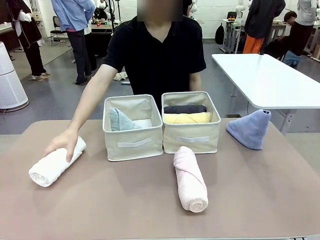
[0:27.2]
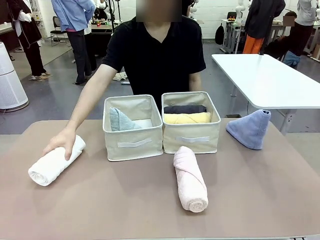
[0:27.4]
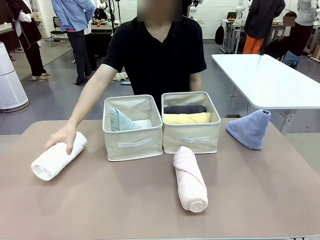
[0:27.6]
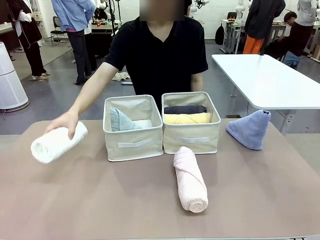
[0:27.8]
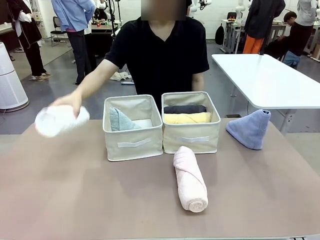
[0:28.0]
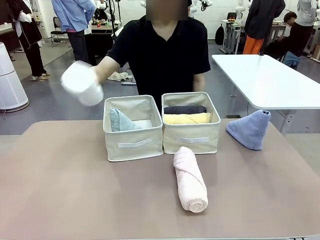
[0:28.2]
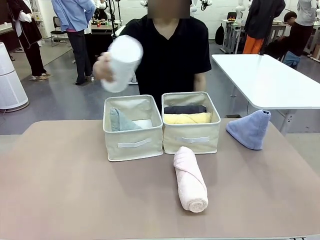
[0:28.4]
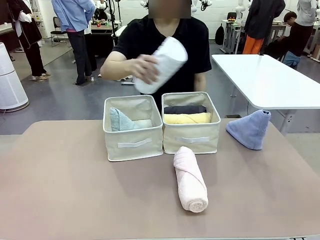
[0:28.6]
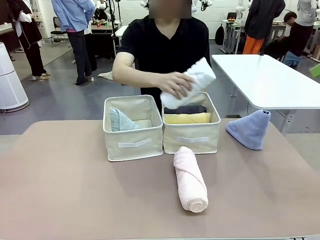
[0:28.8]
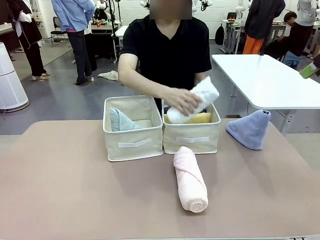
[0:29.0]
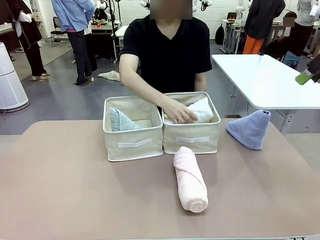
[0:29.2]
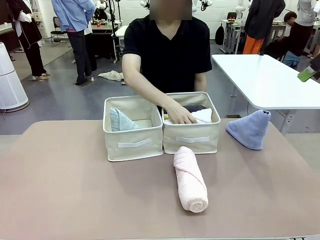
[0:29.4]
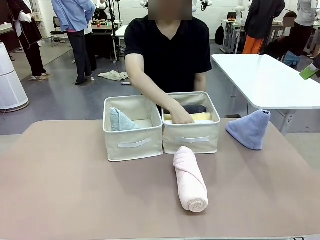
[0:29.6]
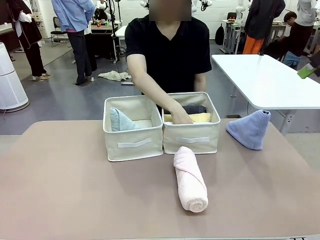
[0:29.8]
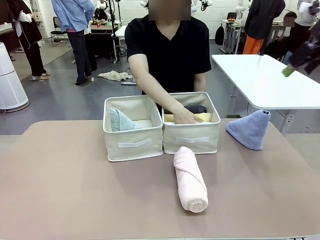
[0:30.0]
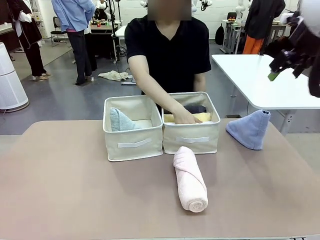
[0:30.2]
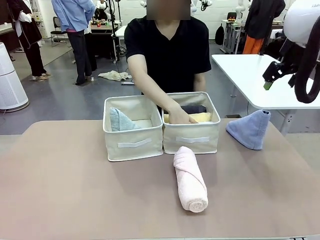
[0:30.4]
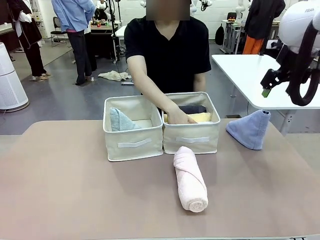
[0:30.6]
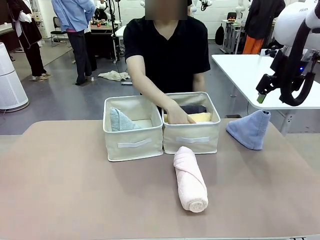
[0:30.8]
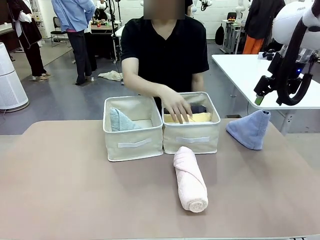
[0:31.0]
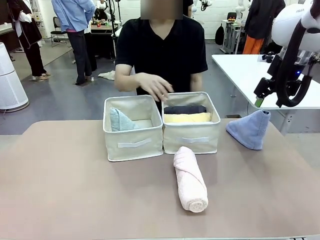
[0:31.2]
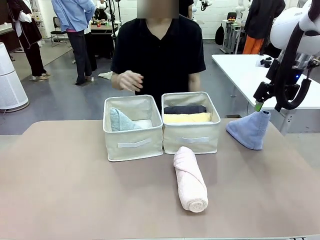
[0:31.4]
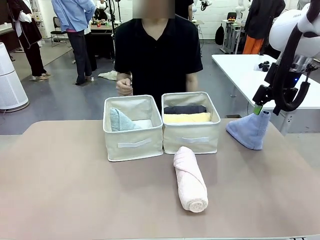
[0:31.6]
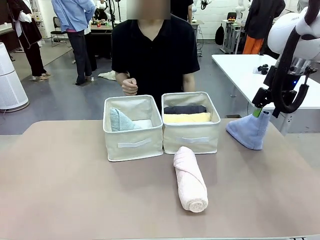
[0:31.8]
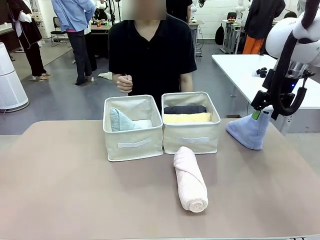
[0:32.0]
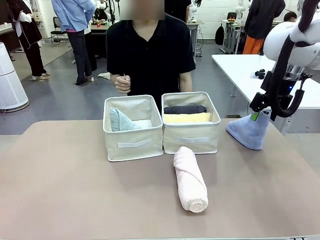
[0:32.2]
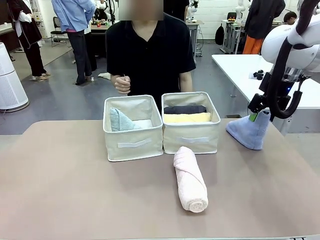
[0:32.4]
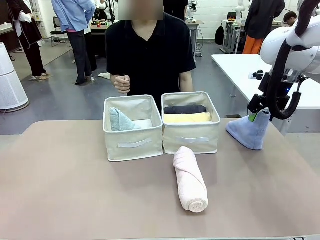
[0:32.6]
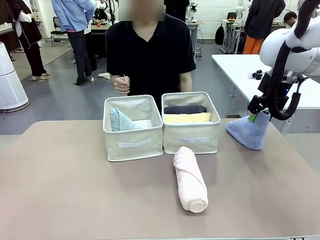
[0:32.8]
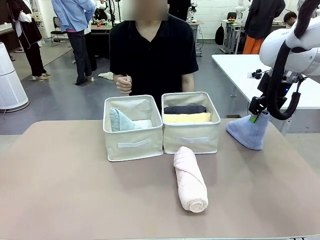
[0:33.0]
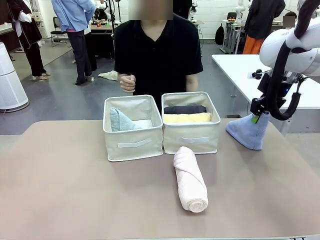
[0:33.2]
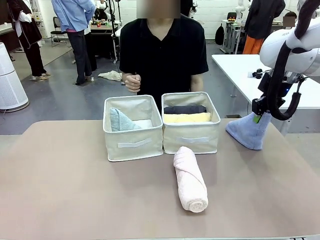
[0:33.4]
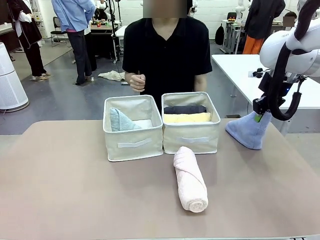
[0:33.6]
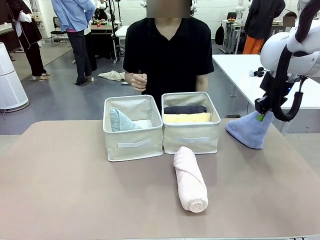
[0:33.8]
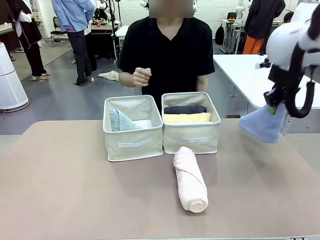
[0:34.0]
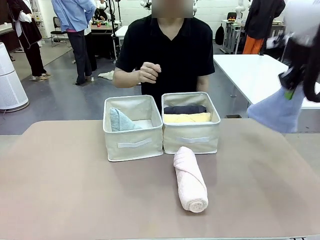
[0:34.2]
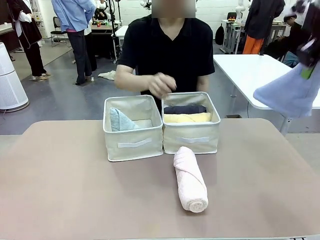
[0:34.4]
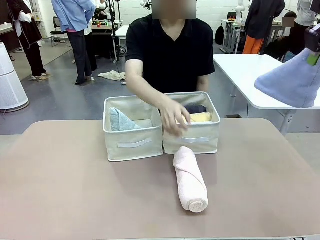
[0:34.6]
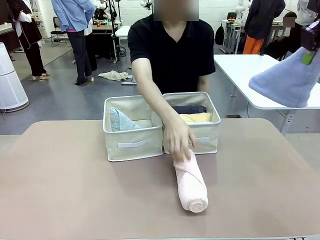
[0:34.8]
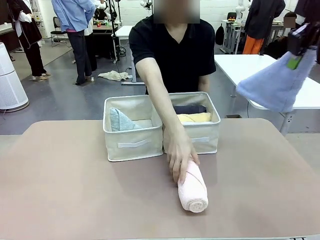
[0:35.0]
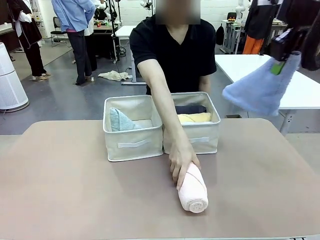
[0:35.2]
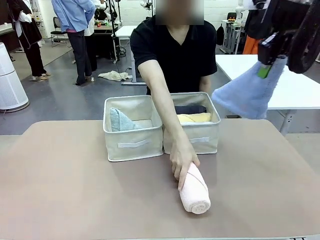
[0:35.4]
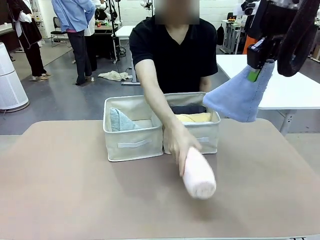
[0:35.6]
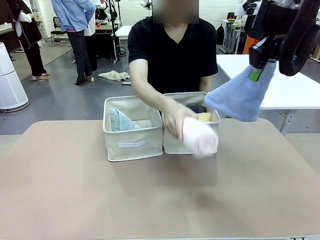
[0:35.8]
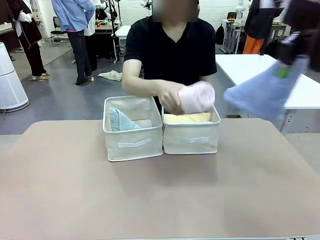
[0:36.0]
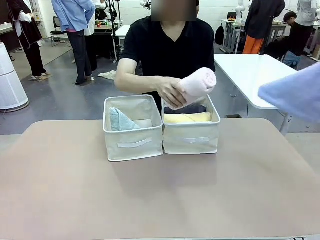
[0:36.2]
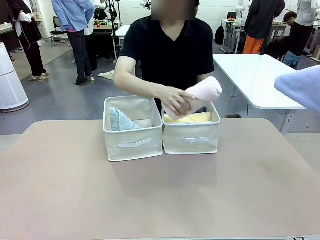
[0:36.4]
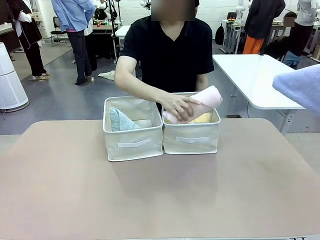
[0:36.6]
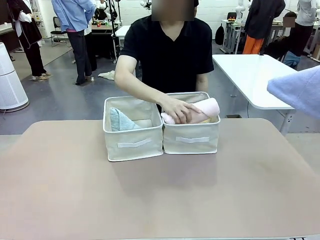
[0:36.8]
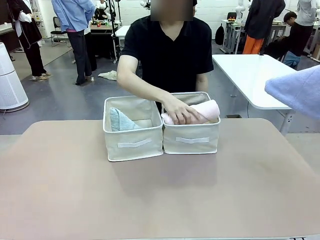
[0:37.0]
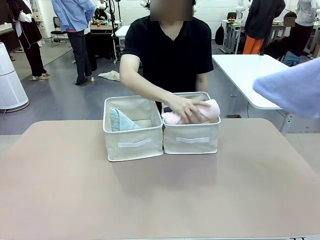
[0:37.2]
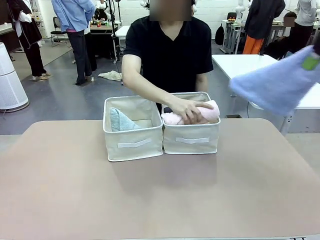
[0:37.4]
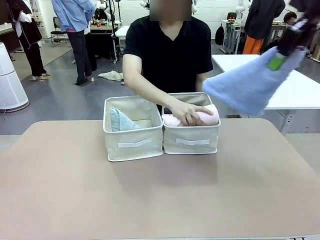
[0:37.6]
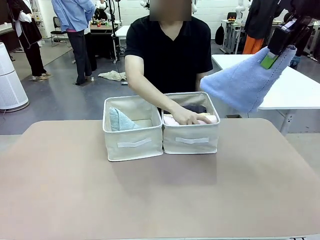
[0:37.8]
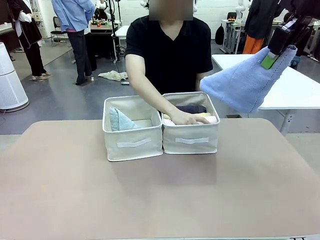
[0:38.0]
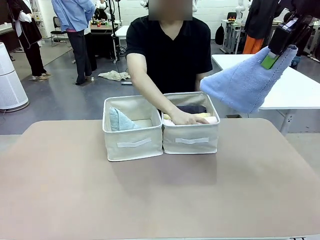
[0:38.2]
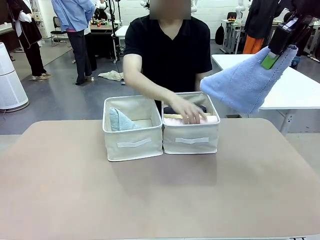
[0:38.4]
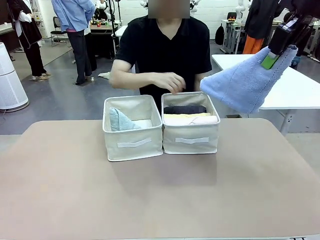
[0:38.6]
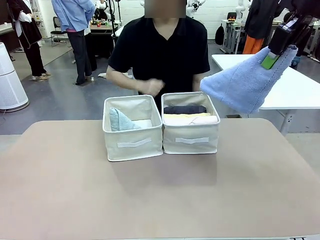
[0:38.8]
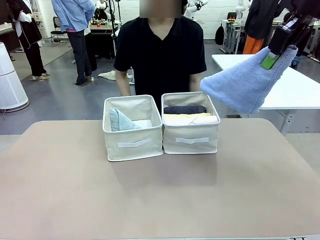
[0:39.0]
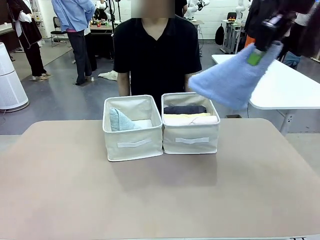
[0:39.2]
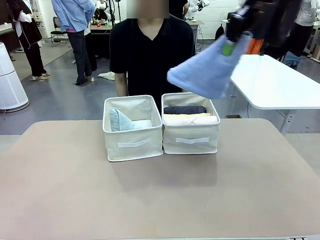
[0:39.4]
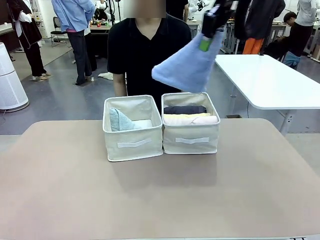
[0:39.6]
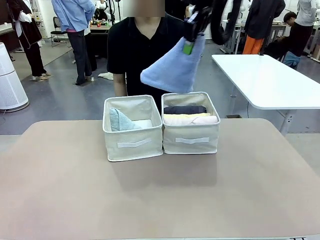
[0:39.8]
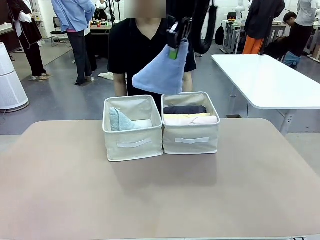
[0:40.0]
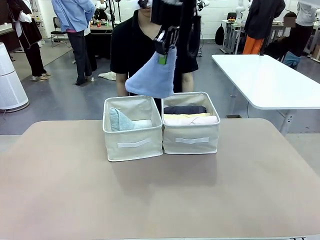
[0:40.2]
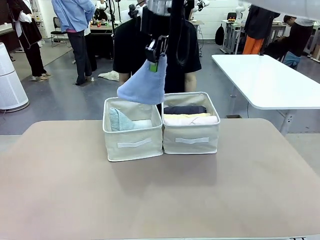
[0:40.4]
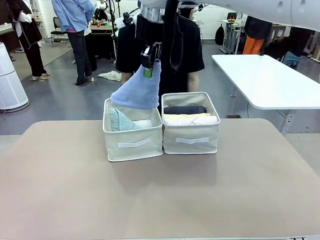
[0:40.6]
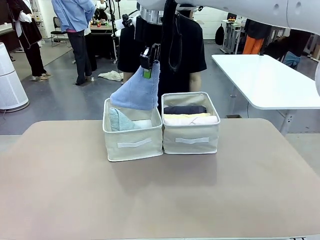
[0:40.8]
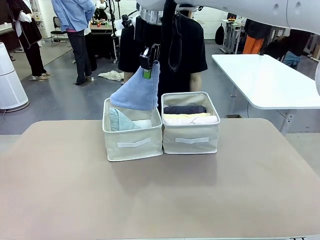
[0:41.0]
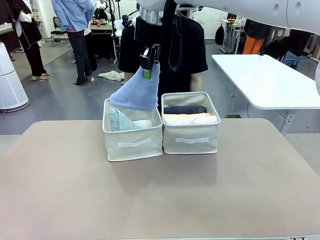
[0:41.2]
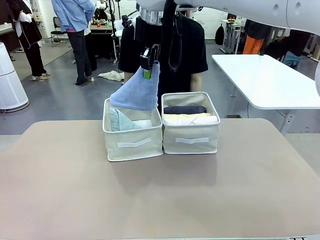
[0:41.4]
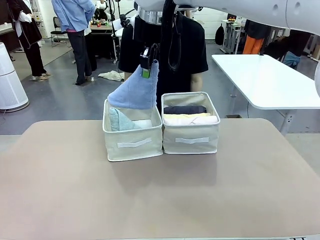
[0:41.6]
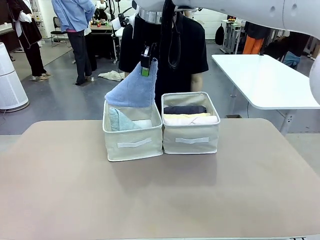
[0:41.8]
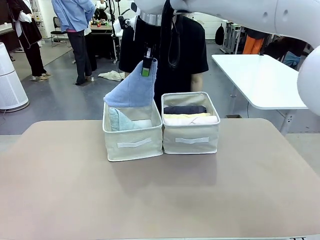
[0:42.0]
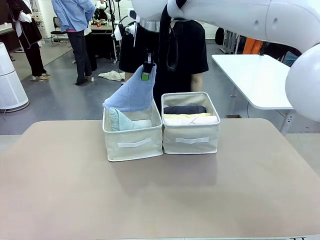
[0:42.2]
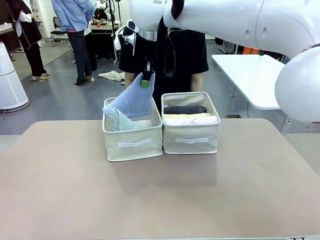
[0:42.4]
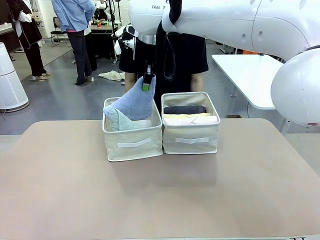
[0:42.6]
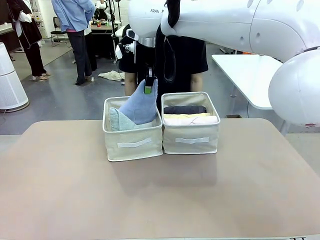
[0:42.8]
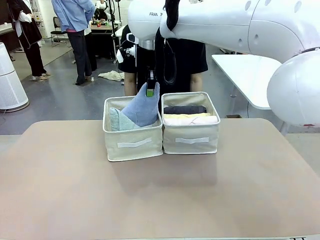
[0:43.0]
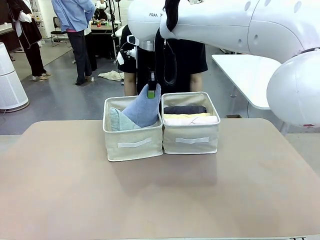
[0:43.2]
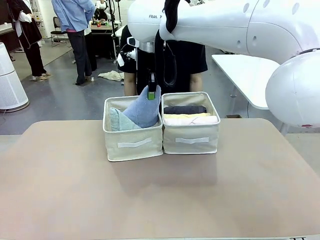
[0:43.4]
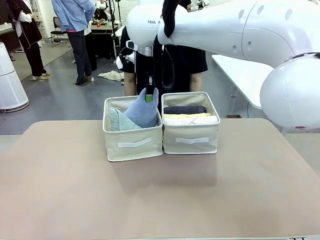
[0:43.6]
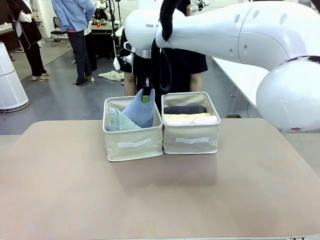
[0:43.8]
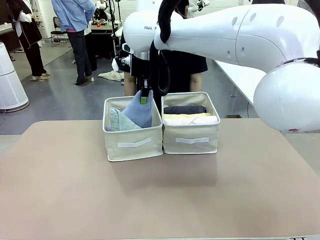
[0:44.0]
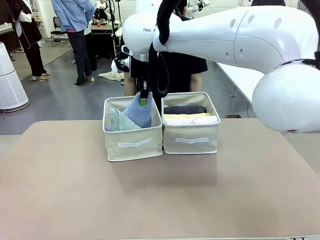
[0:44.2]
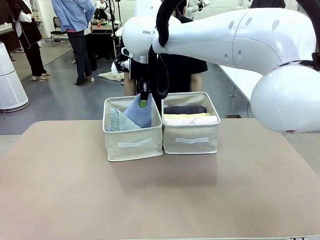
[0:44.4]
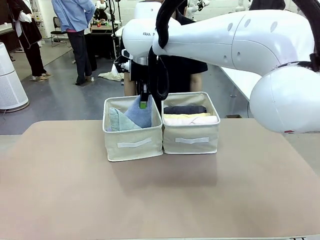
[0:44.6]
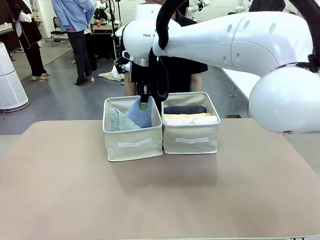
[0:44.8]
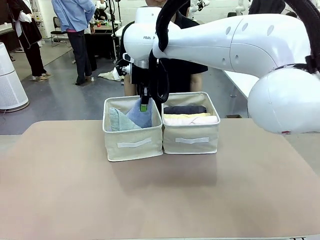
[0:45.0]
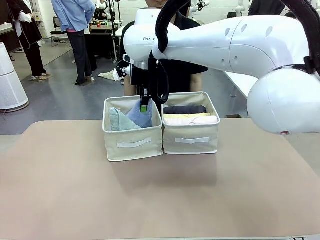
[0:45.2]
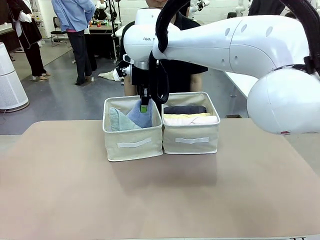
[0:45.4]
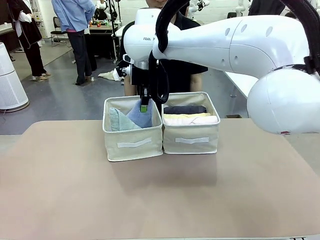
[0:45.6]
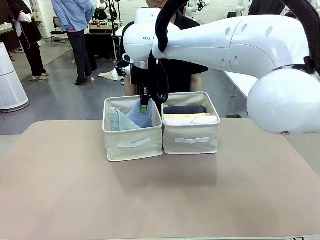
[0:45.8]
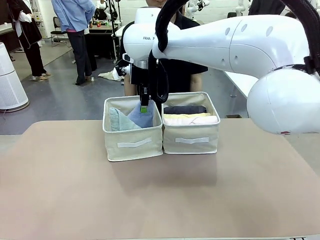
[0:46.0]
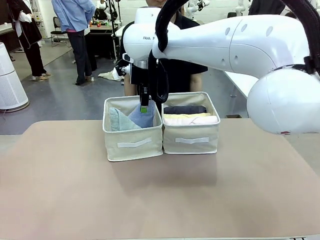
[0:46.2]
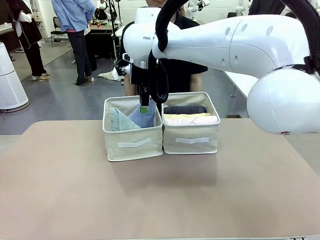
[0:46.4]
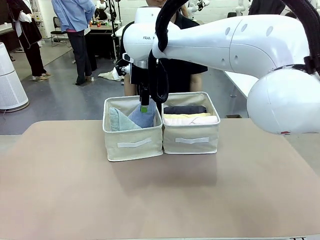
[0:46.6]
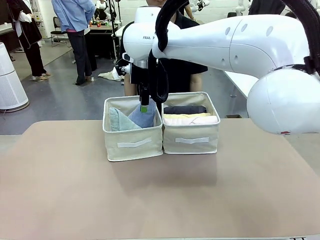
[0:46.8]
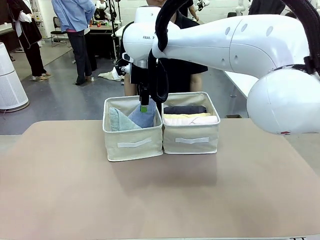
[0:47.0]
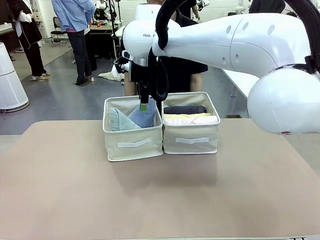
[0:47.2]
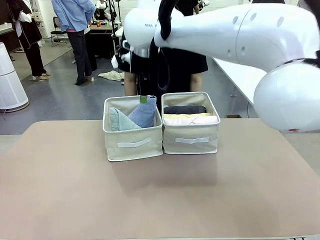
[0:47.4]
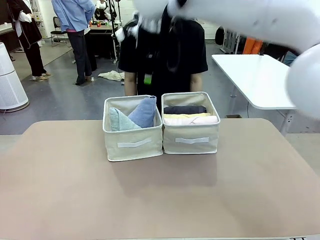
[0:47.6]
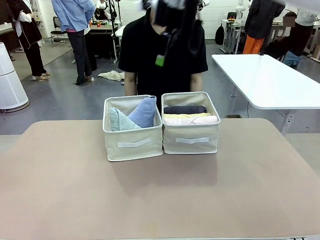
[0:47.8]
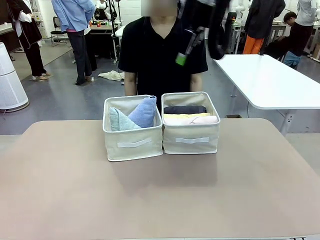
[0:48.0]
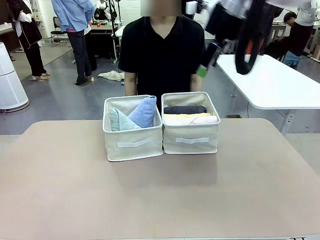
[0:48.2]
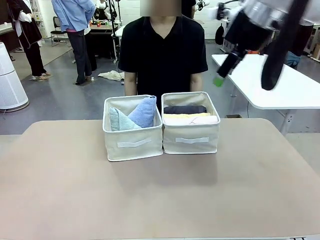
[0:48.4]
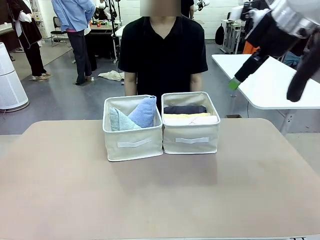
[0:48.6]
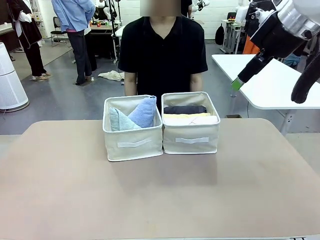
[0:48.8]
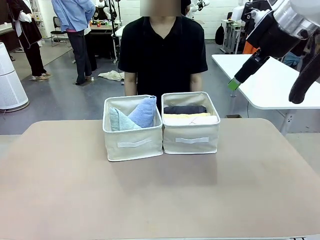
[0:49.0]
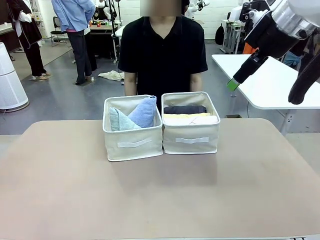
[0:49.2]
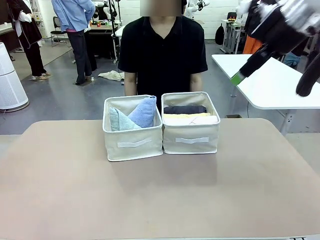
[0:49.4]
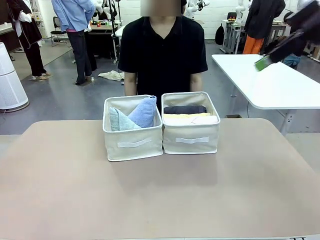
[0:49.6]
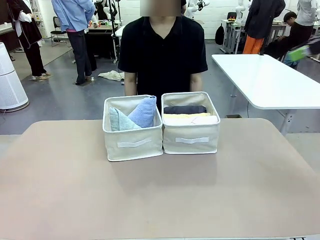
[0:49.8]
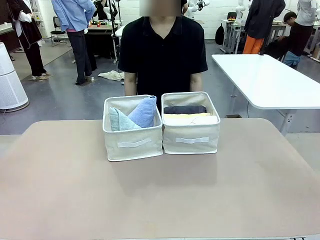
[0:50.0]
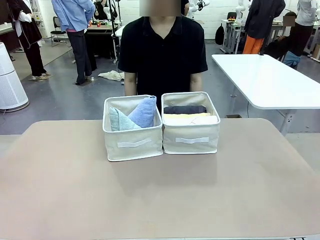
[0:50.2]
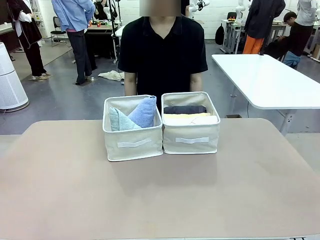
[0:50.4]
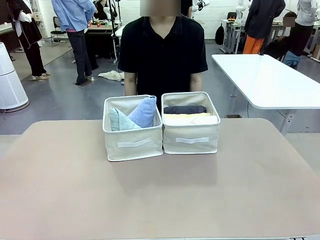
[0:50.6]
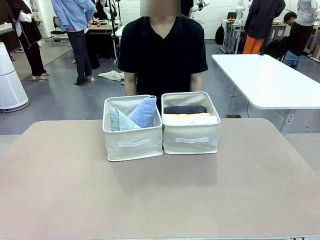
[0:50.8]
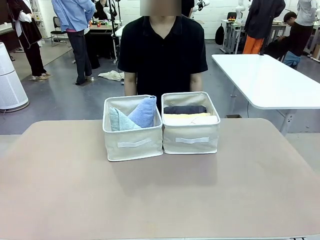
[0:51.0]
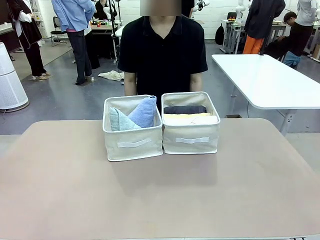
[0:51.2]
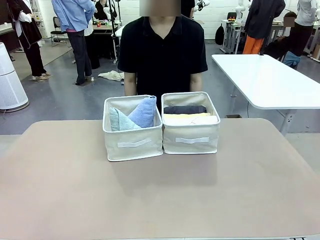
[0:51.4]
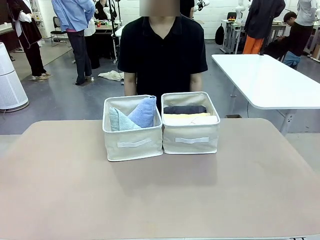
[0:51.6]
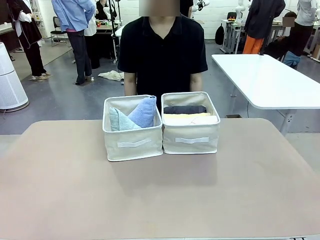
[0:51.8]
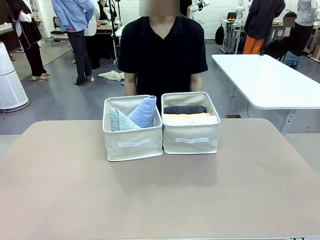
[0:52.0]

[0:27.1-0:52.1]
Task: Sort the towels based on their folding style.
Robot: Pick up another triangle-folded towel from the table and place it in the left Fabric basket.
Person: Pick up one hotel-style rolled towel from the table and place it in the left fabric basket.
